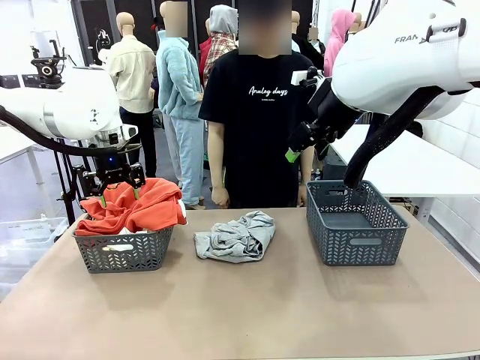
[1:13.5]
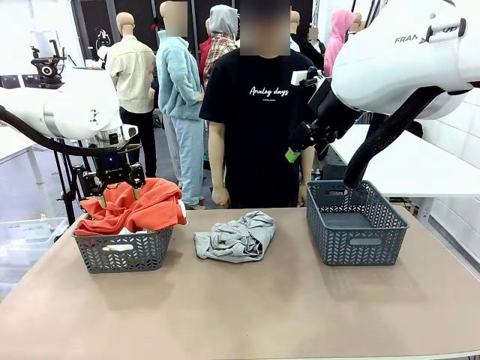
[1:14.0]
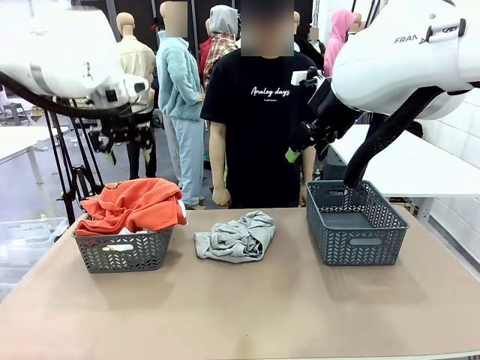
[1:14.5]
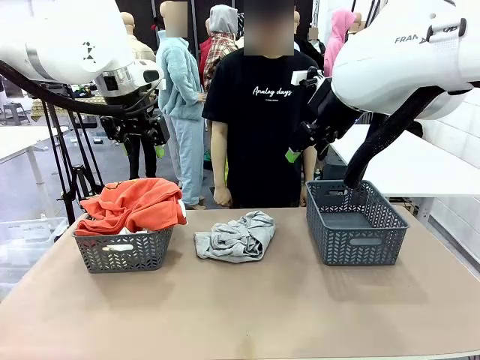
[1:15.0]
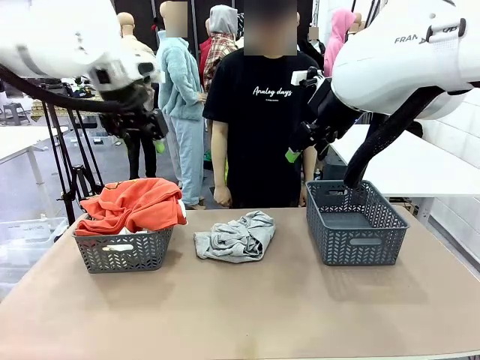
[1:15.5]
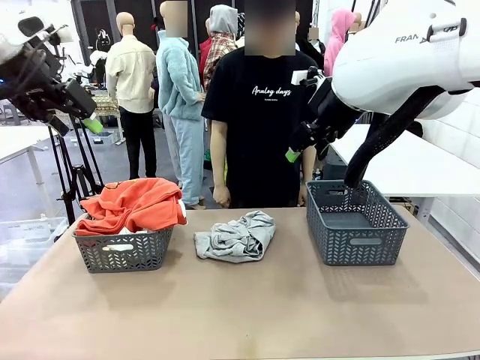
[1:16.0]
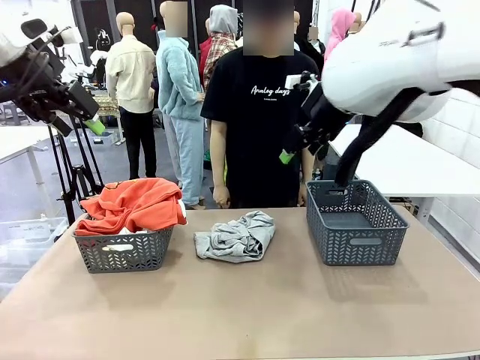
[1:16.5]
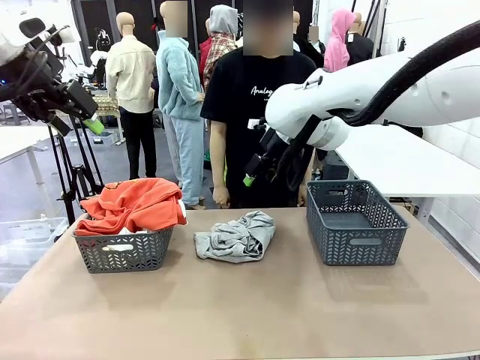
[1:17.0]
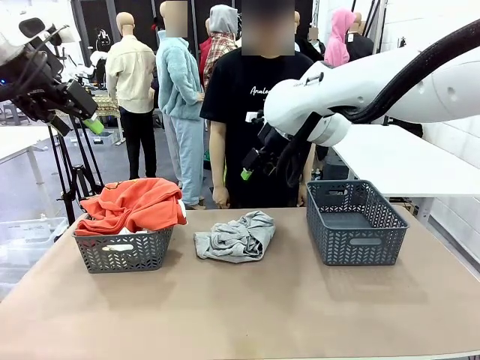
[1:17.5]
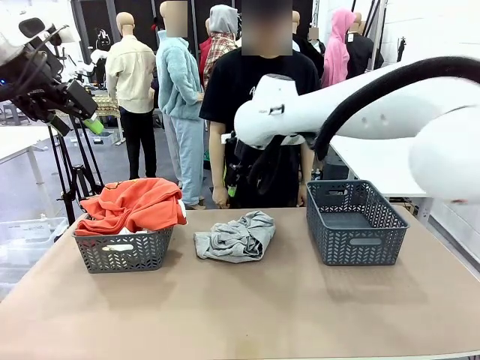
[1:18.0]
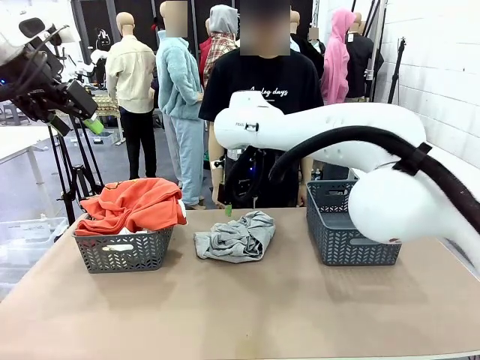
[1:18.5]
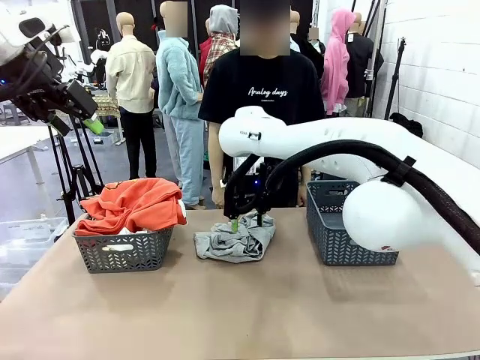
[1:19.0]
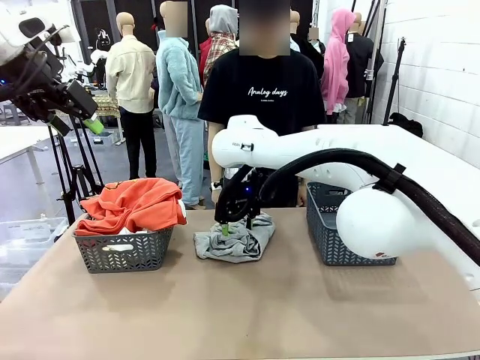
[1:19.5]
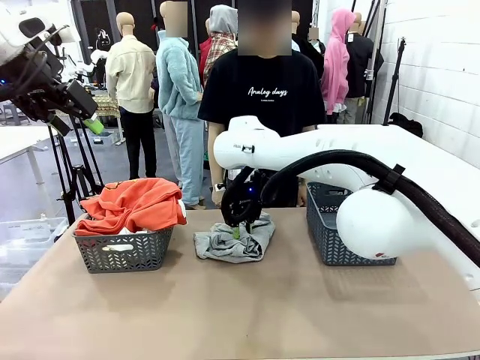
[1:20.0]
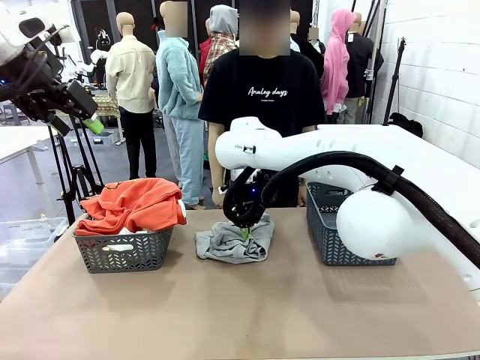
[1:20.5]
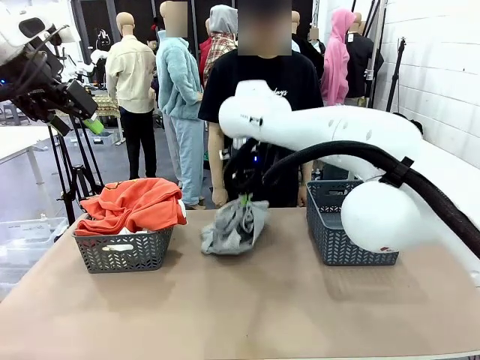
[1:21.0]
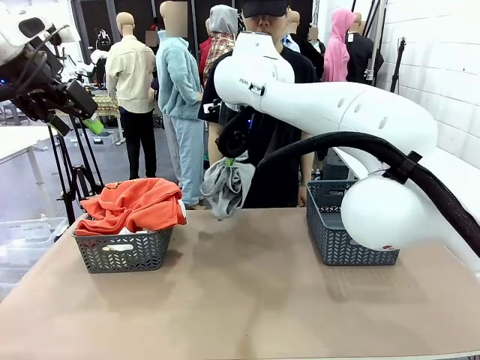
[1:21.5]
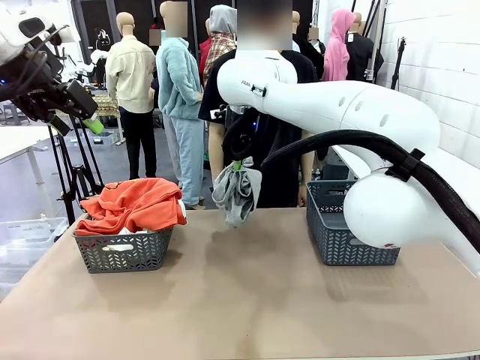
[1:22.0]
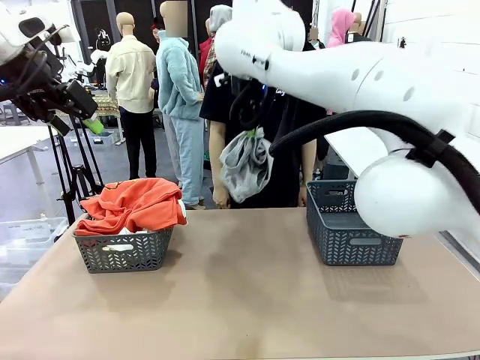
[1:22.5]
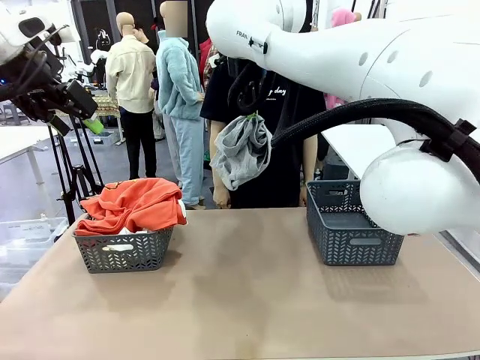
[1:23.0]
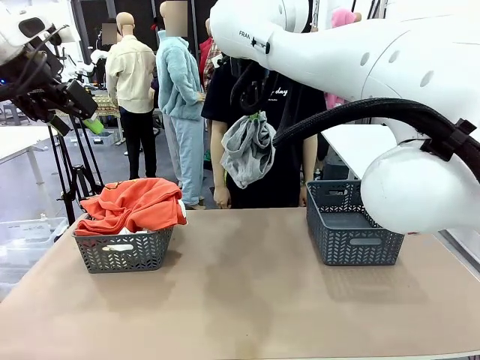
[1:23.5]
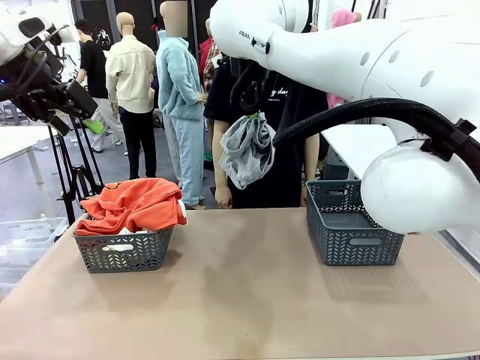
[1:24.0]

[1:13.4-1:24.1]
Task: Sort the tops and bottoms.
Robot: Lift clothes from the center of the table with your right hand.

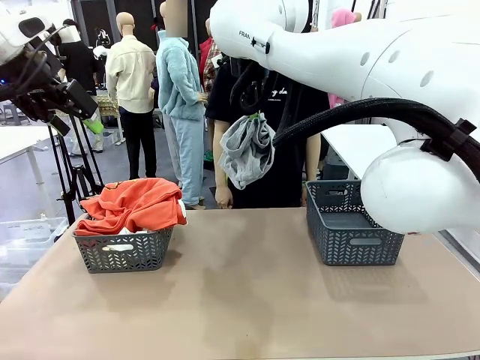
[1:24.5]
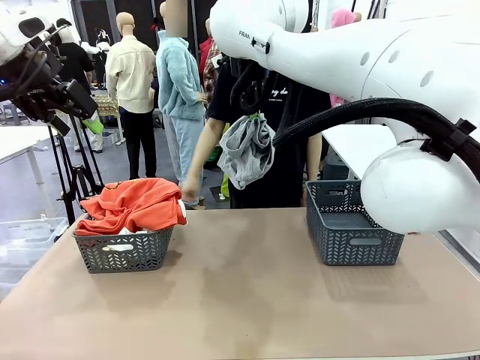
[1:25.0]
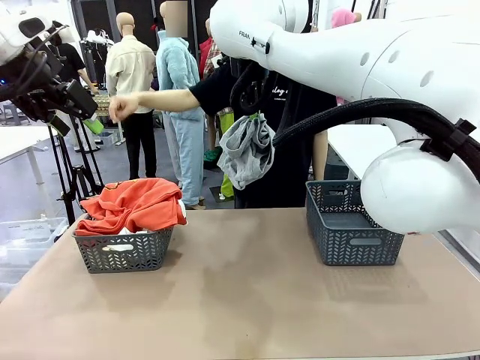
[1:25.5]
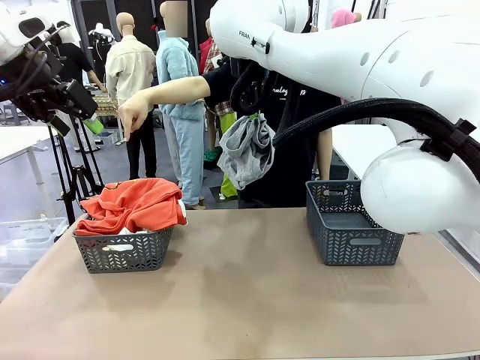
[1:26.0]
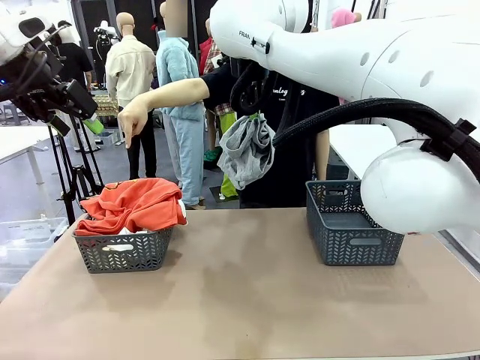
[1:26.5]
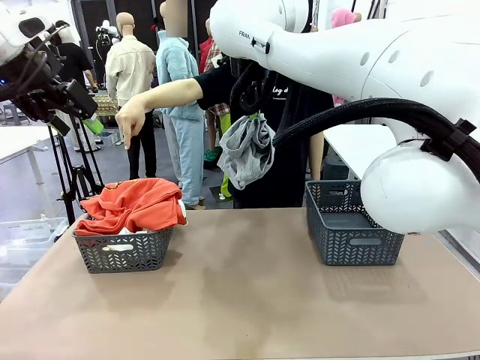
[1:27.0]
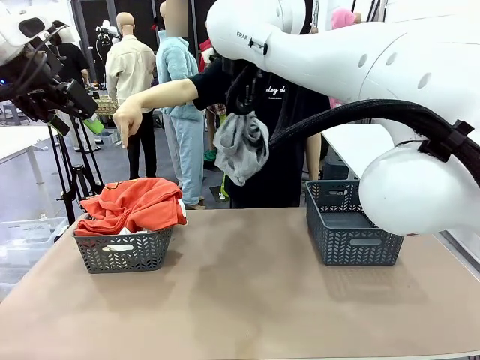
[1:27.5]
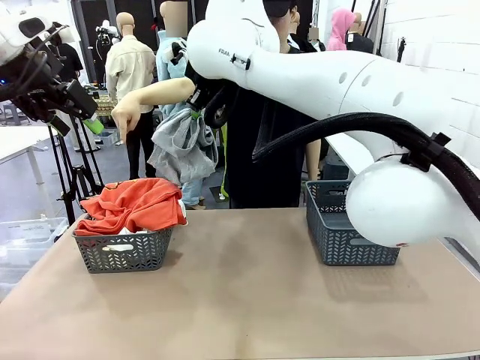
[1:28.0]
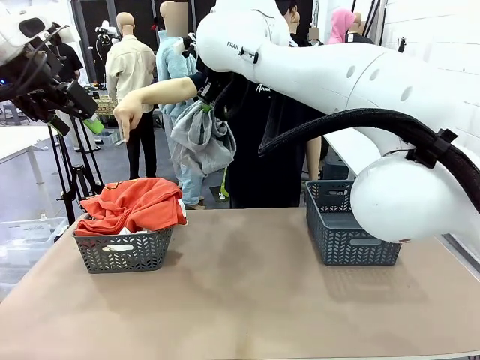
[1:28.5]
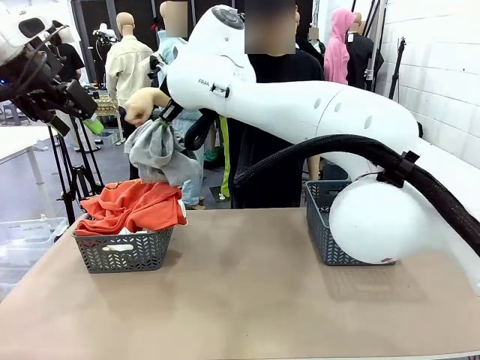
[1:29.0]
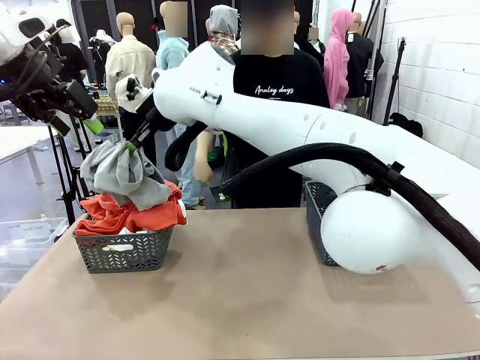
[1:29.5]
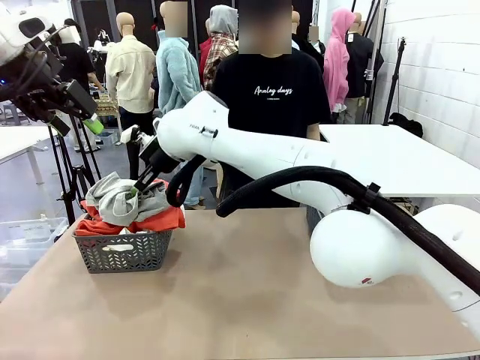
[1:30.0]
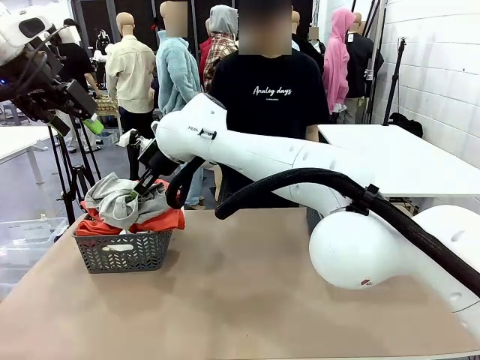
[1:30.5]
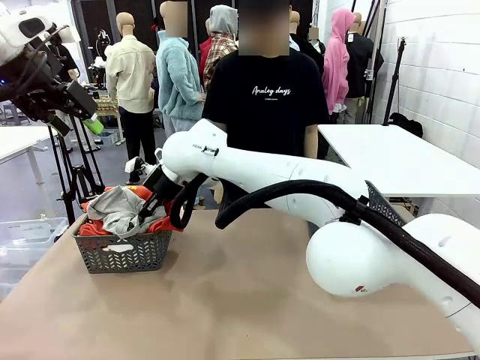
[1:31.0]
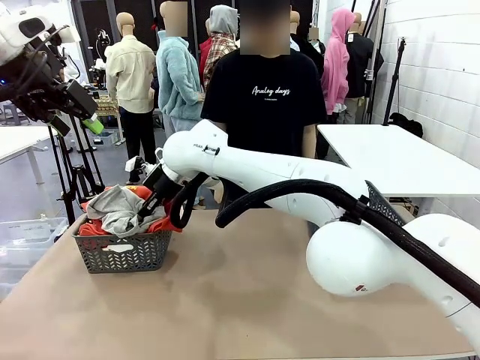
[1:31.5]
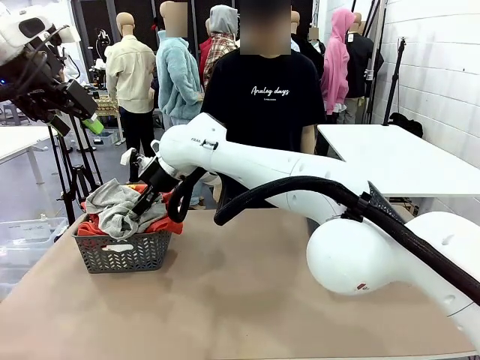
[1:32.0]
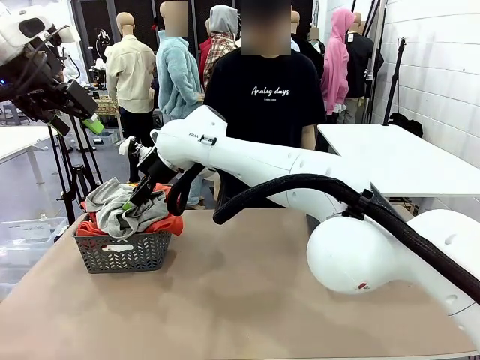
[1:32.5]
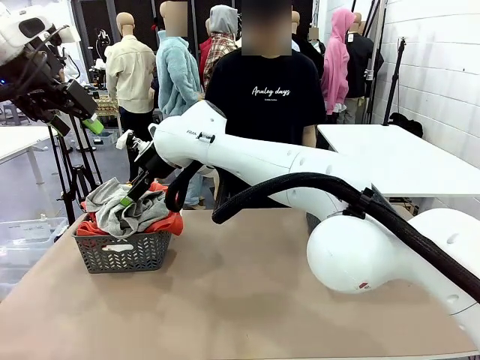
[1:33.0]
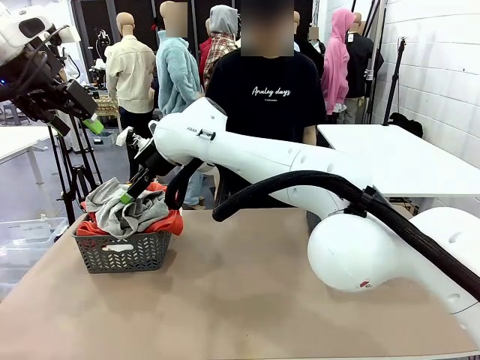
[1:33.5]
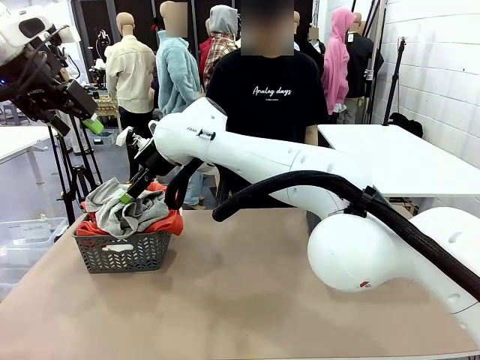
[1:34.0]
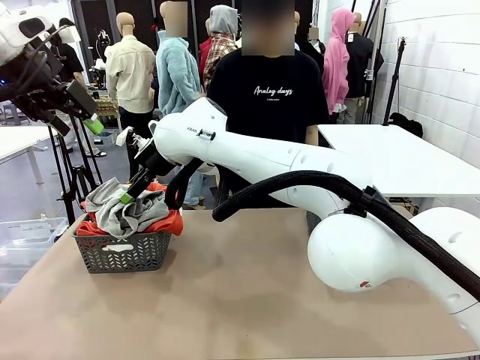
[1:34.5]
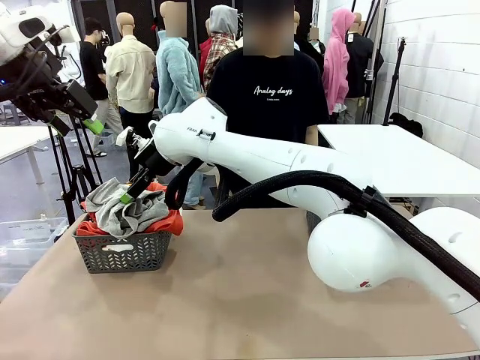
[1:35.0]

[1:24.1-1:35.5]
Robot: Sort the clothes according to human instructions.

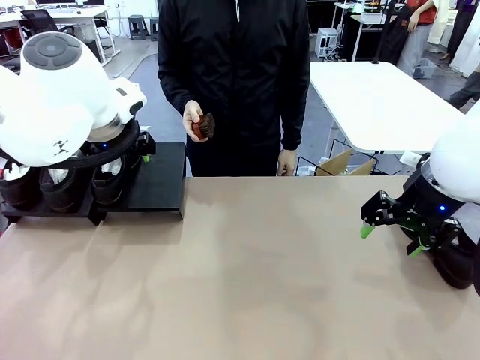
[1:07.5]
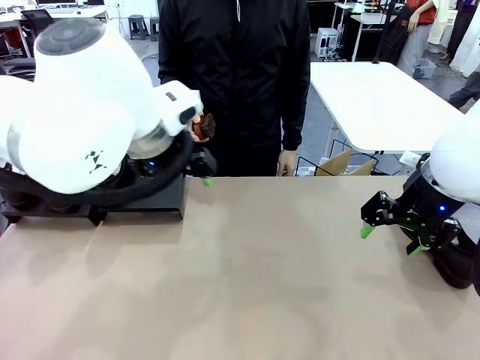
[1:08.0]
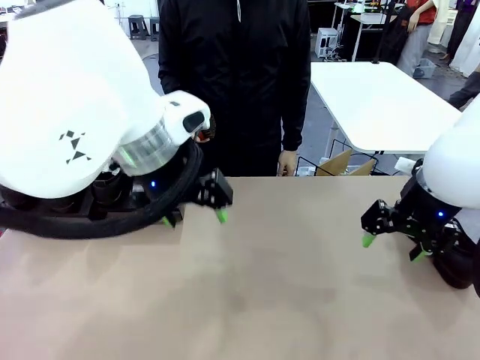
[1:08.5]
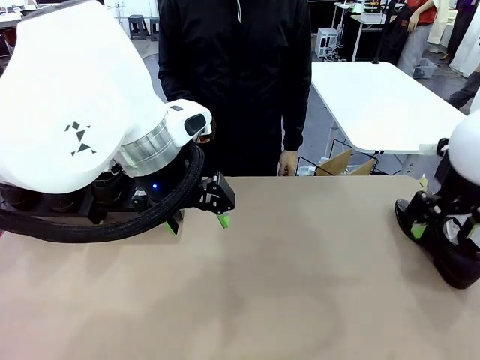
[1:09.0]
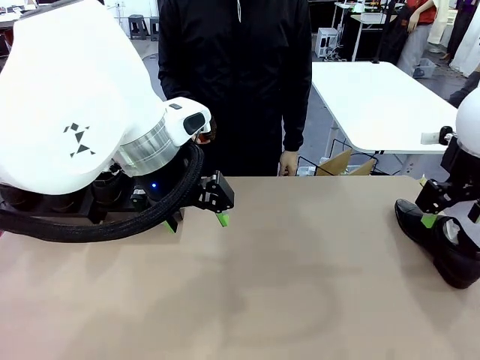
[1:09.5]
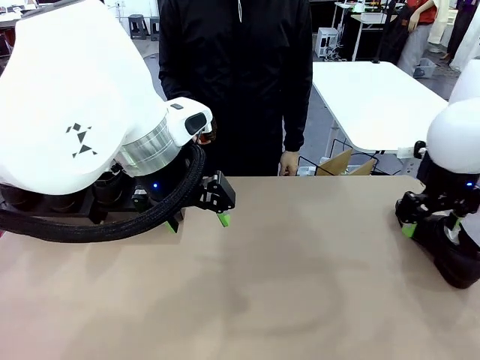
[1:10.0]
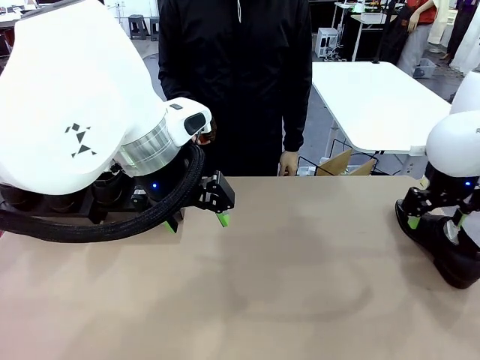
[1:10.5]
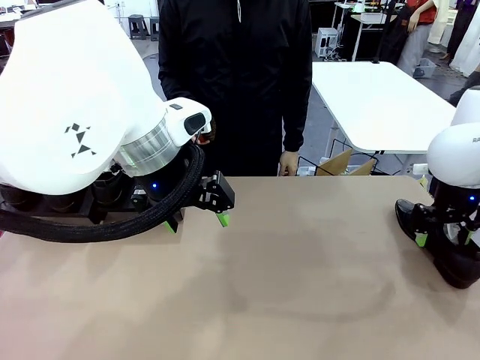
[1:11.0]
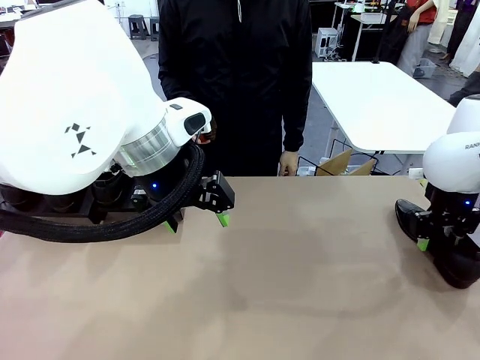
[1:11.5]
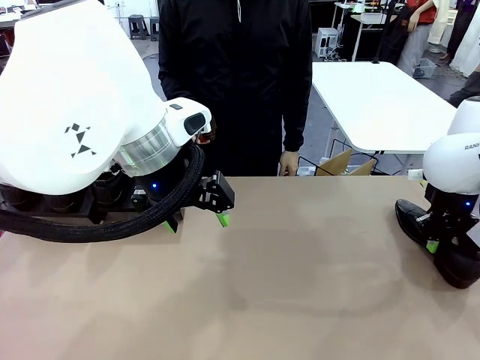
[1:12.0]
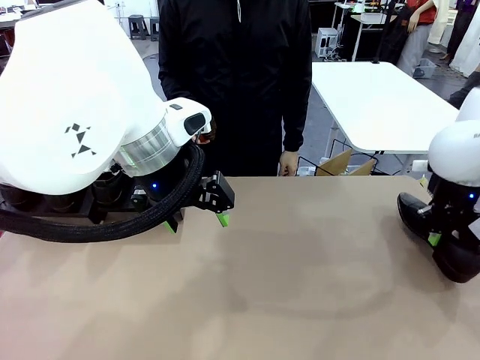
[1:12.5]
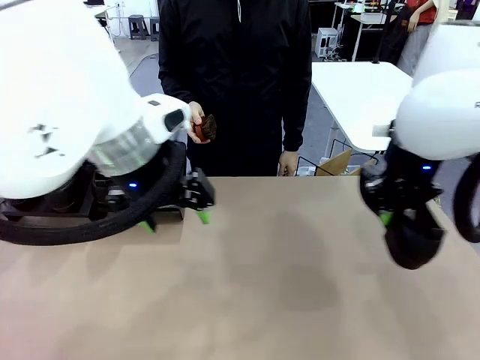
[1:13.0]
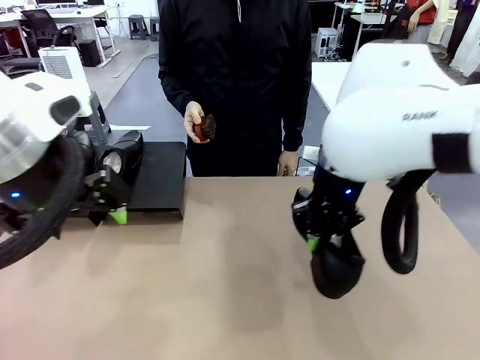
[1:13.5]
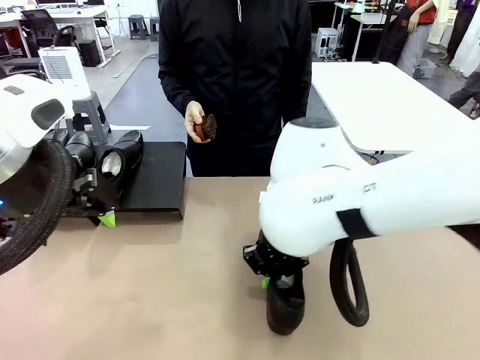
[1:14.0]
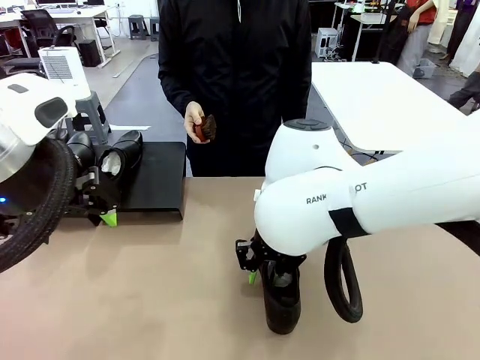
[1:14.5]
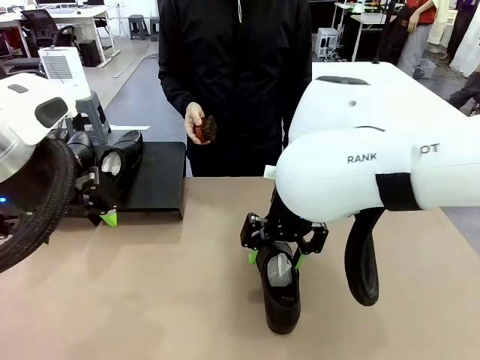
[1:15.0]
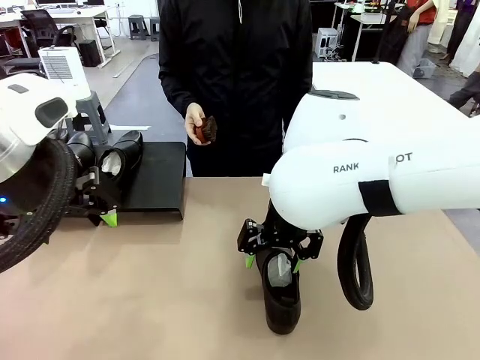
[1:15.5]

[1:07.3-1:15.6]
Task: Organize the shoes by placing them on the stand.
Robot: Pick up one Shoe and place it in the middle of the table.
